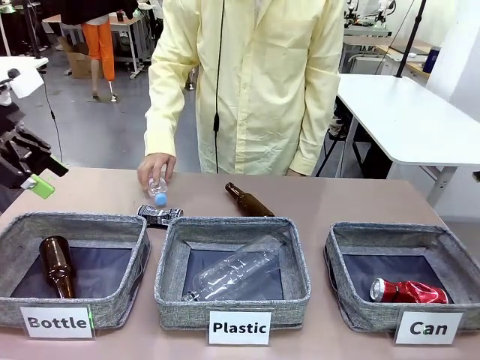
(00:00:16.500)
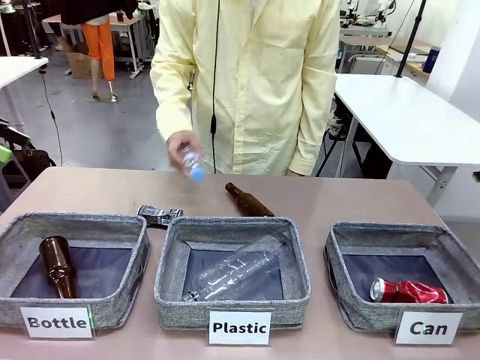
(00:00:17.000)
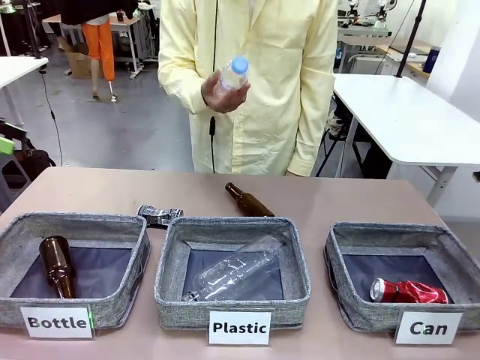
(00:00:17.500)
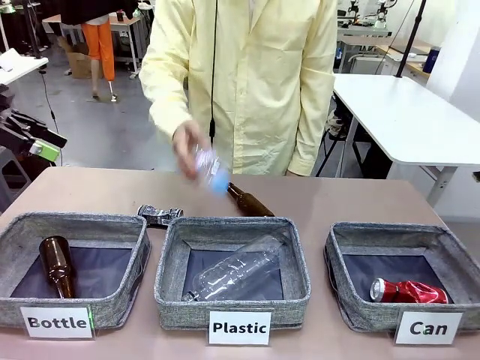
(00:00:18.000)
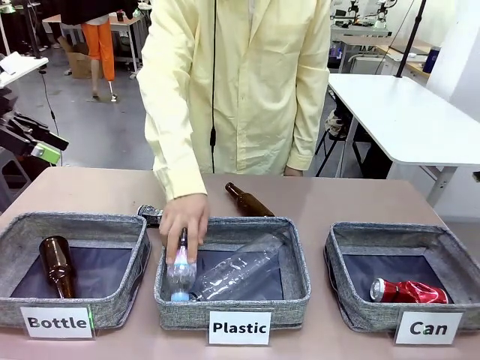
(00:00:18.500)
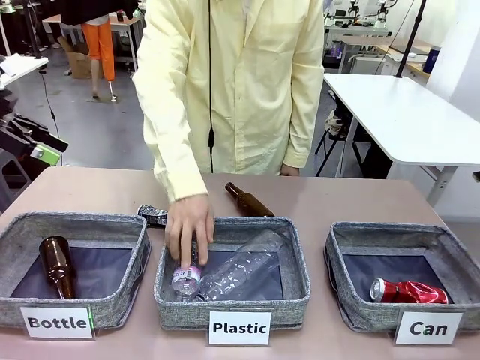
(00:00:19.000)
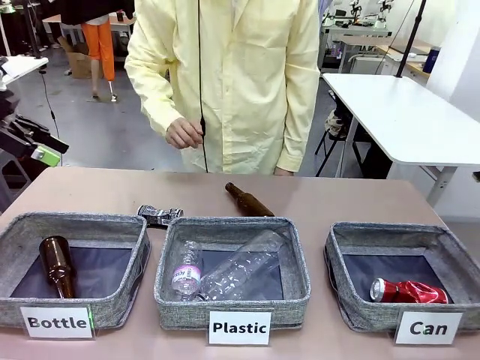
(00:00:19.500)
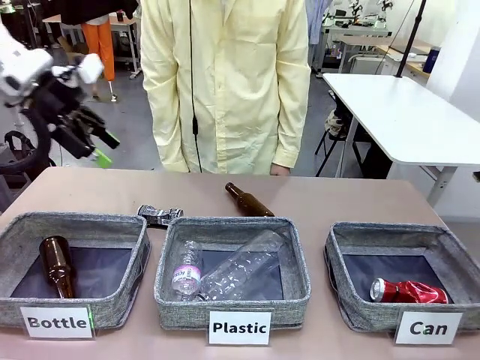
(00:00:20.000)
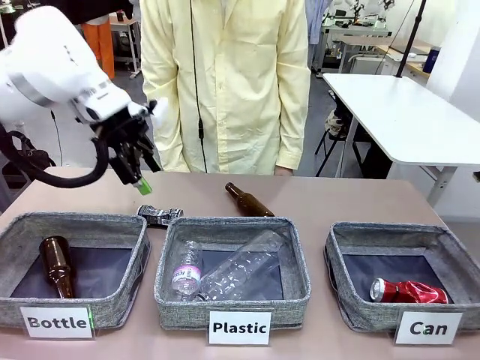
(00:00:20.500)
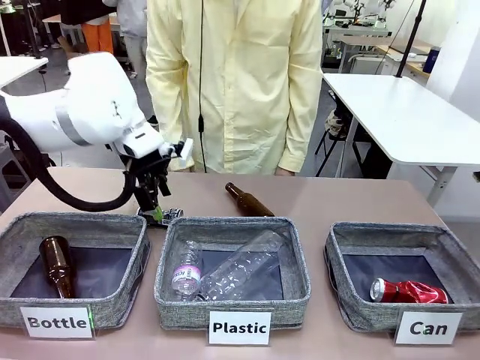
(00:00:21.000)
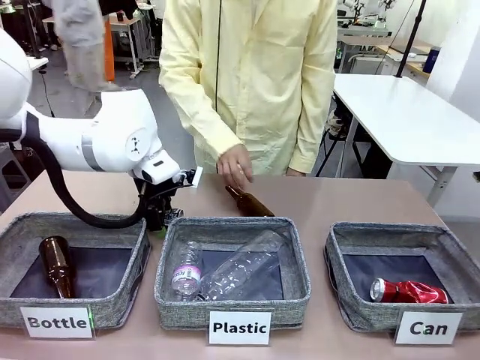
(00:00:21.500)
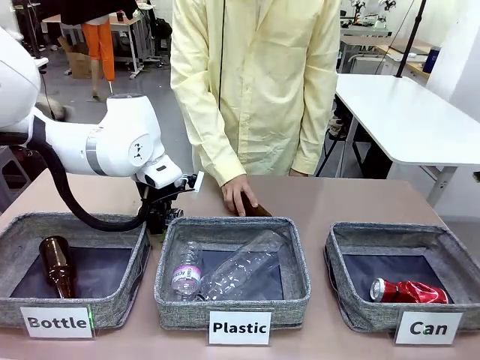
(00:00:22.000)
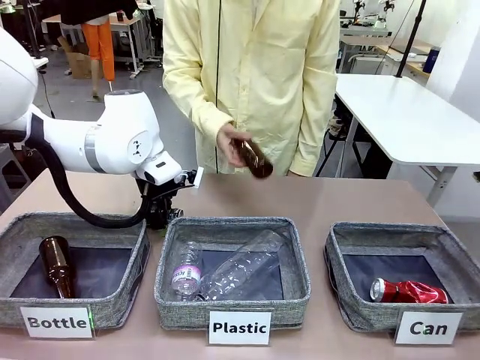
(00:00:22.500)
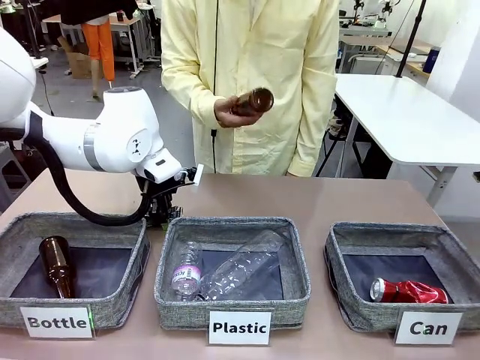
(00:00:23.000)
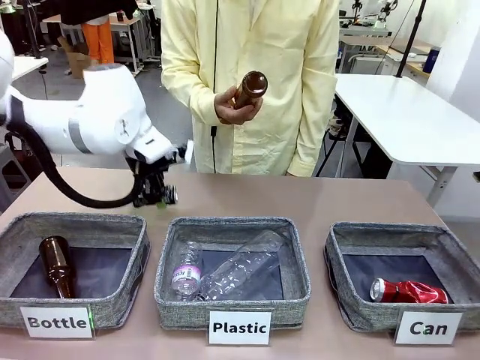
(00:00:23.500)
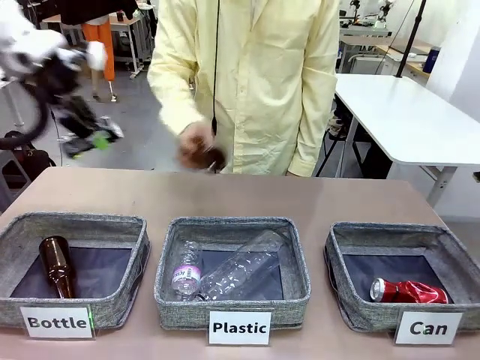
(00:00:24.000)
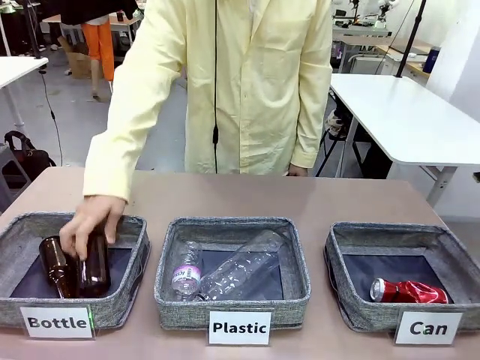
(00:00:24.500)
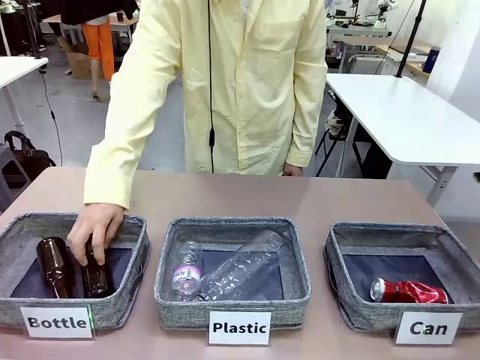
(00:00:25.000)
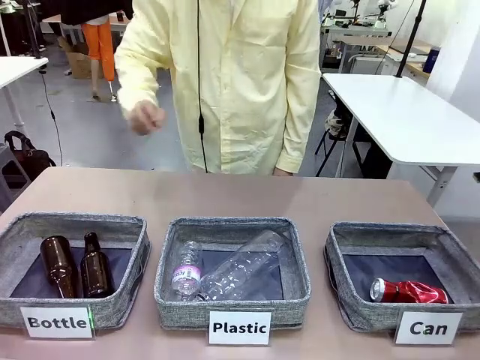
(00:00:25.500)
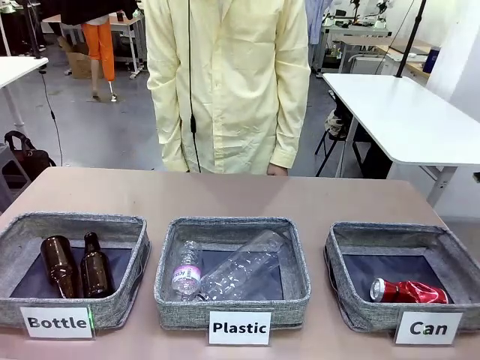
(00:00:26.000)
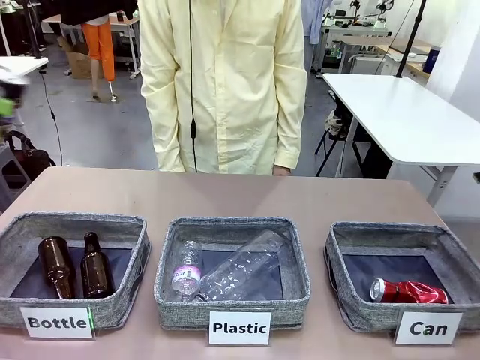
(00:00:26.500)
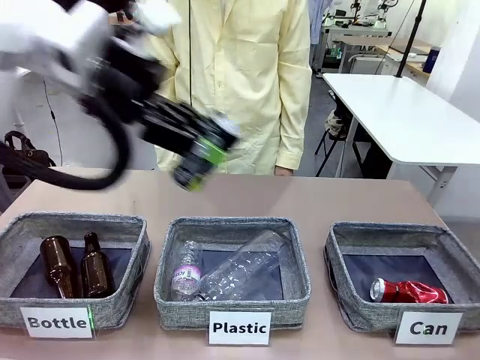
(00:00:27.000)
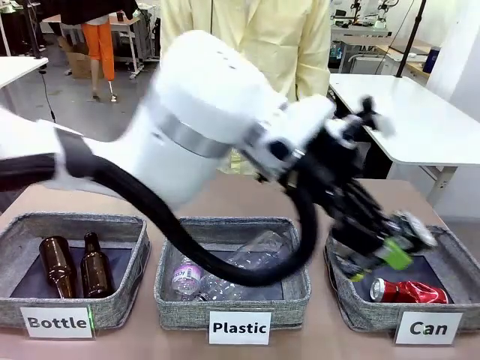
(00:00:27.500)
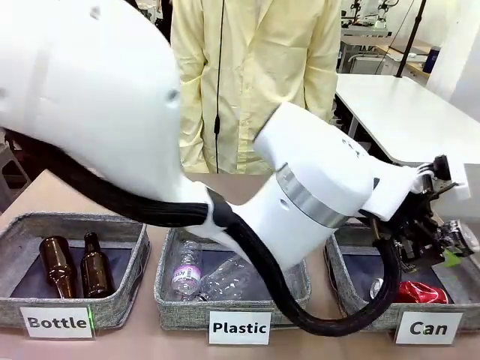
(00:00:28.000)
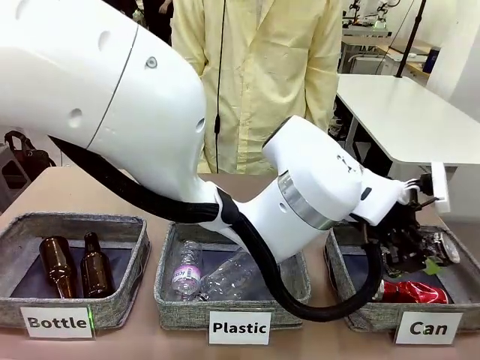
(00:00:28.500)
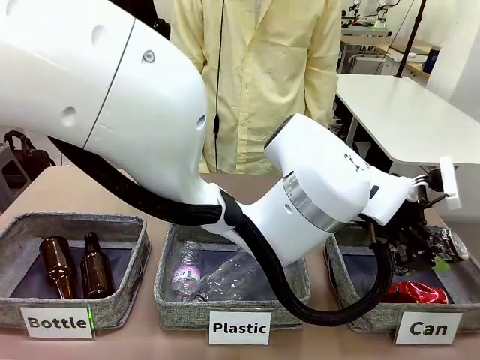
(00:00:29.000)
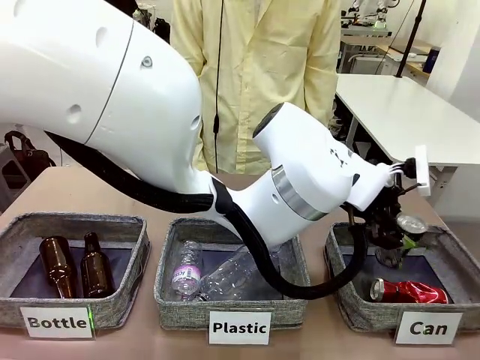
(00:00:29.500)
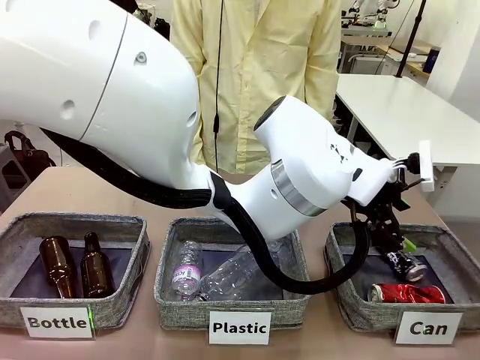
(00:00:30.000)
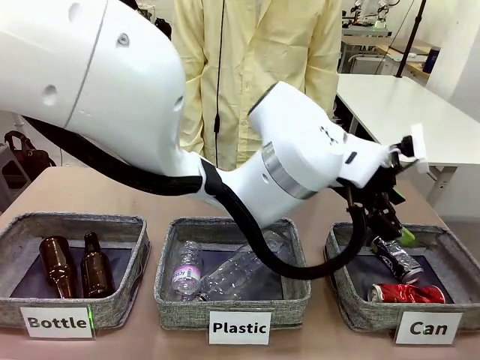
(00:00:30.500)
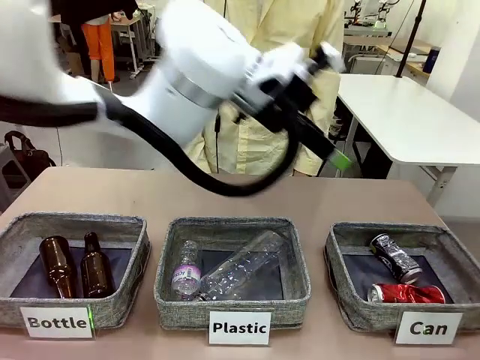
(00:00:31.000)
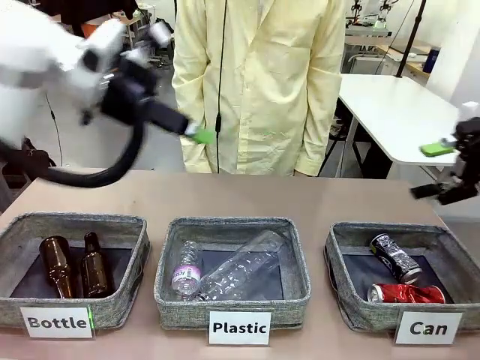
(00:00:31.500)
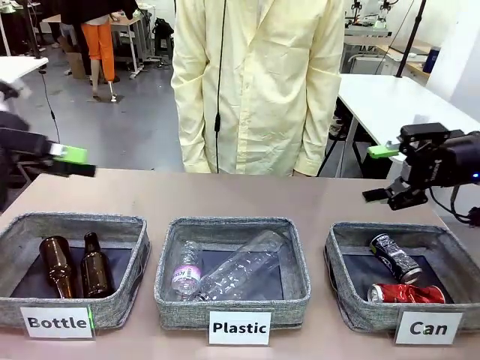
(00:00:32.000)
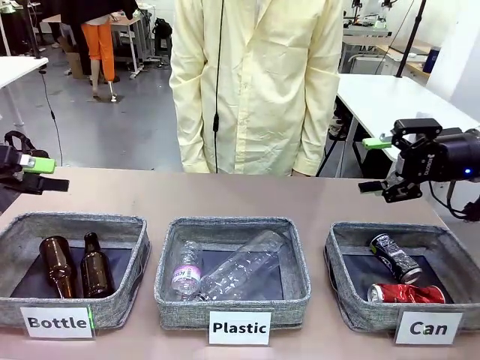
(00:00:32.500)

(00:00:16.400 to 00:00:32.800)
Task: Sort the can waste into the basket.
Robot: Pick up the can waste from the table and place it in the right Fabric basket.

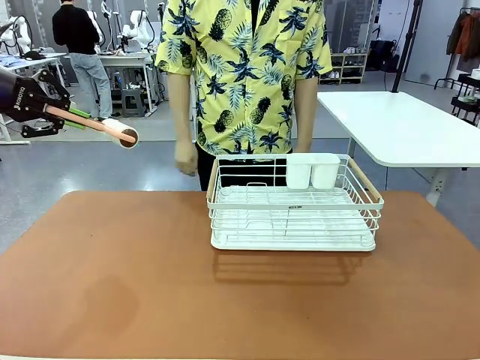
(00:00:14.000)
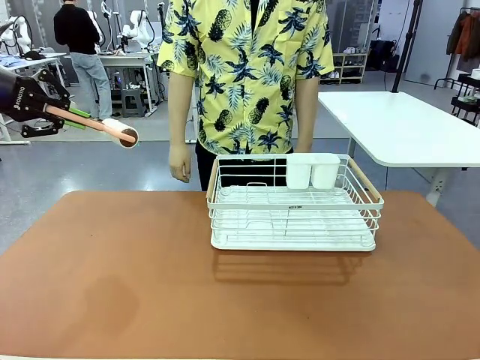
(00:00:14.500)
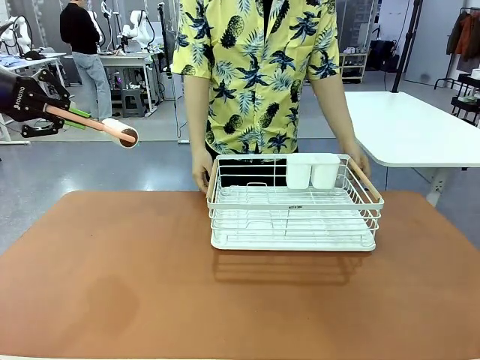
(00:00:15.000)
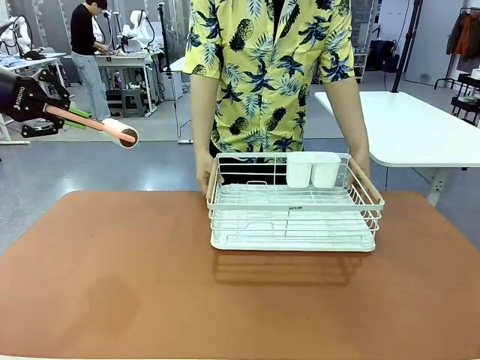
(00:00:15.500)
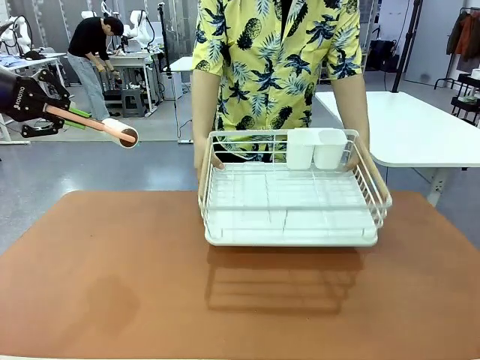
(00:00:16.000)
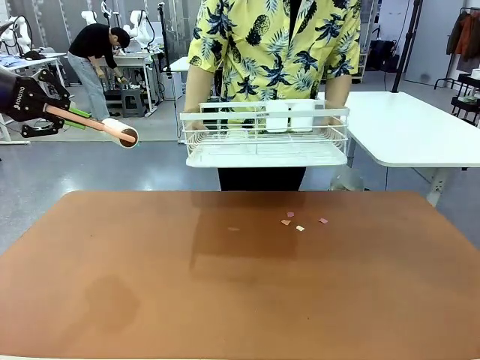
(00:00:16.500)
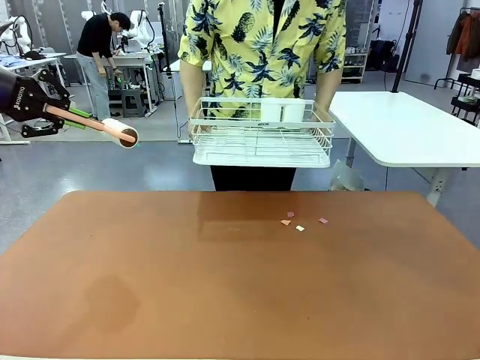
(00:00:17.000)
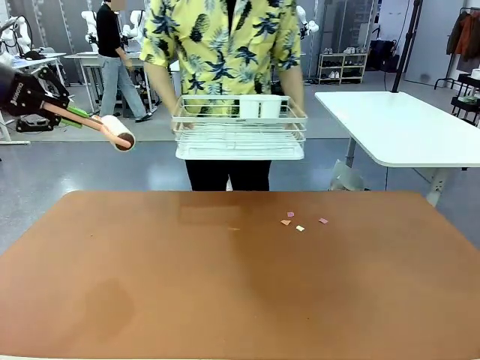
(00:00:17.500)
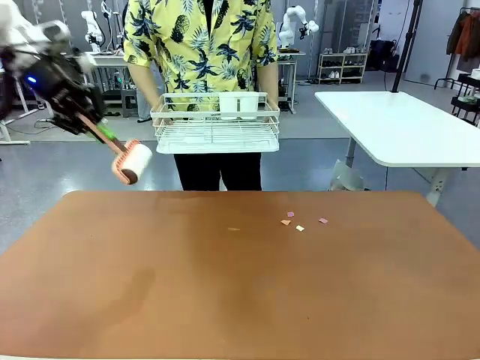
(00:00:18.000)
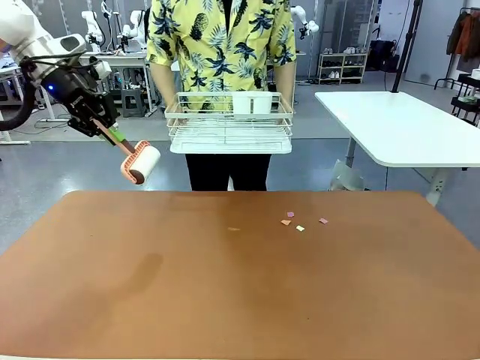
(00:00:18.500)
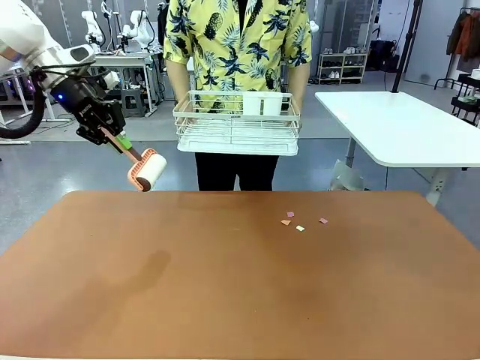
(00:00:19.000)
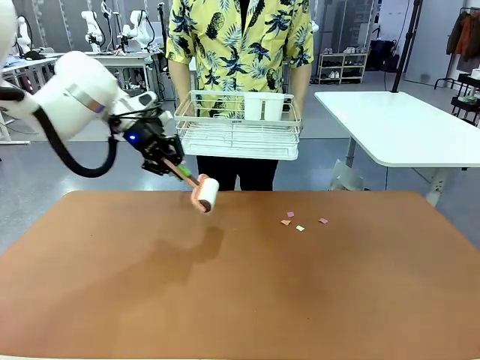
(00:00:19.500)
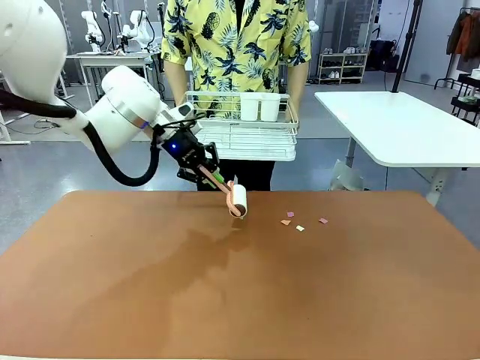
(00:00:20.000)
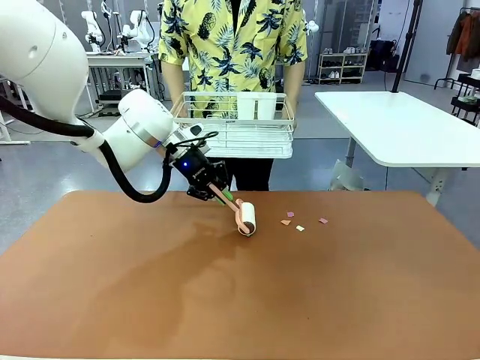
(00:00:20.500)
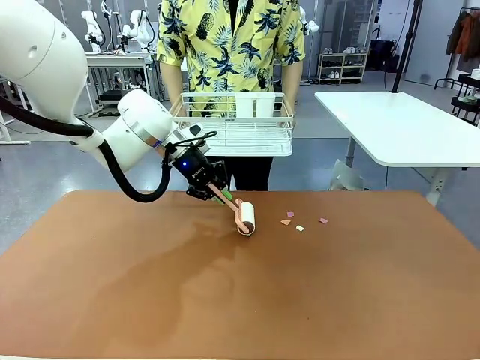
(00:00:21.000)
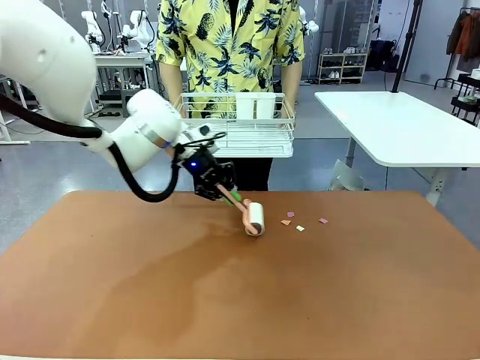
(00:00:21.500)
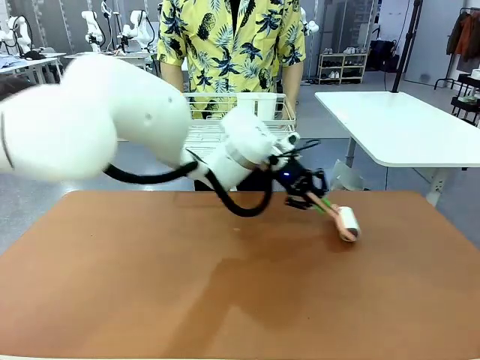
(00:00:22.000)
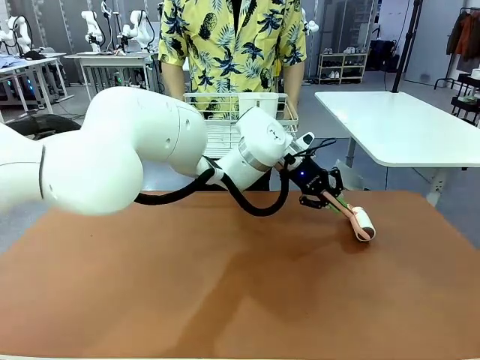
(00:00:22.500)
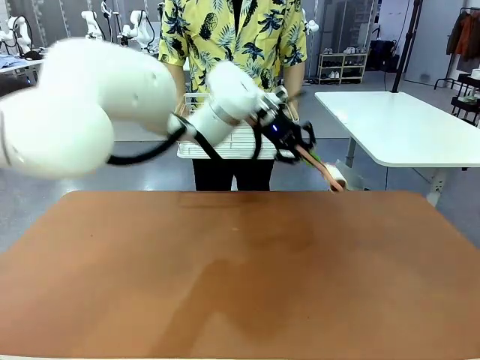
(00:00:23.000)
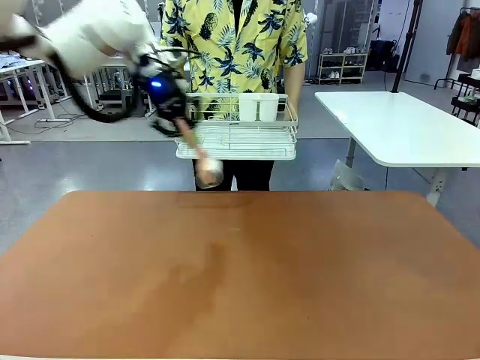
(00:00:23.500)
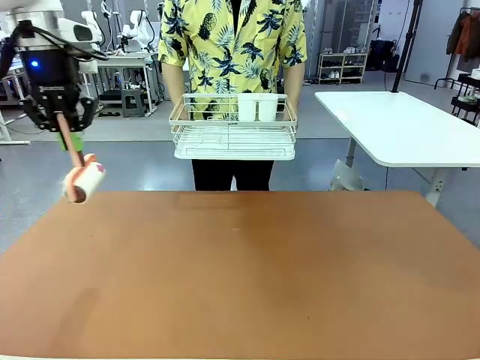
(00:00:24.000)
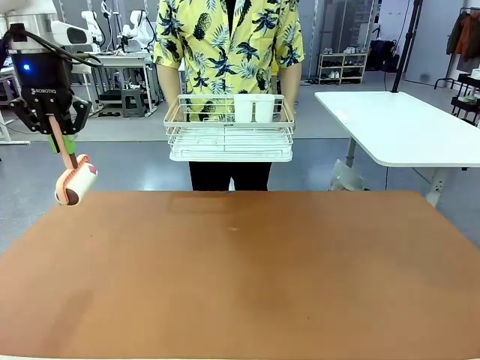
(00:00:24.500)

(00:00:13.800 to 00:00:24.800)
Task: Clean the table.
Robot: Clean the table with the Lint Roller when the human lifts the Dish drying rack.
